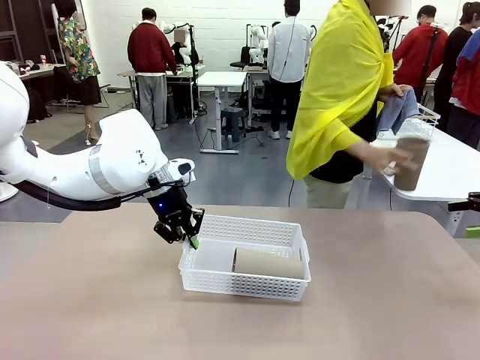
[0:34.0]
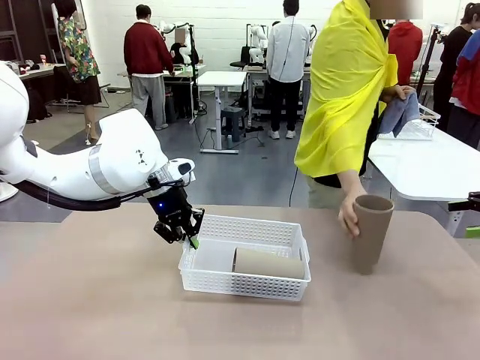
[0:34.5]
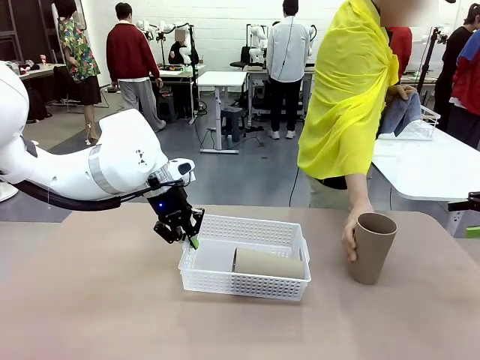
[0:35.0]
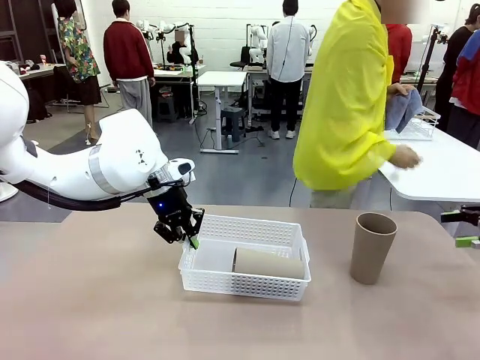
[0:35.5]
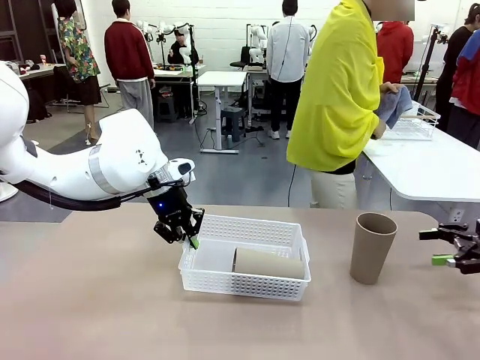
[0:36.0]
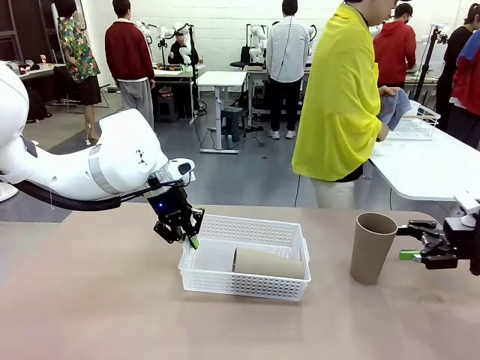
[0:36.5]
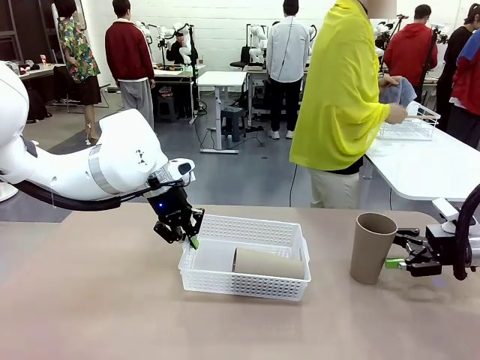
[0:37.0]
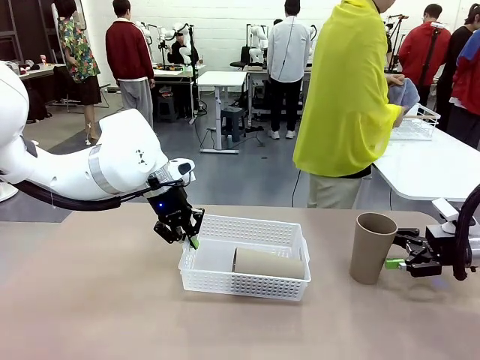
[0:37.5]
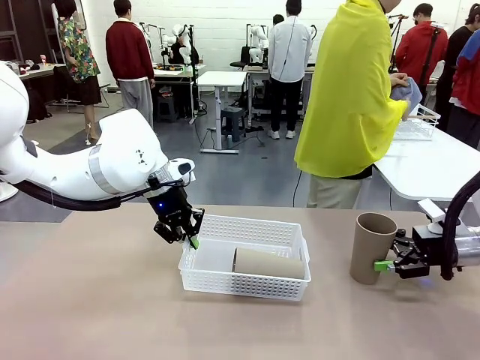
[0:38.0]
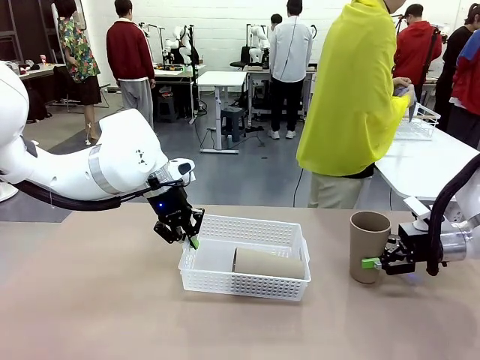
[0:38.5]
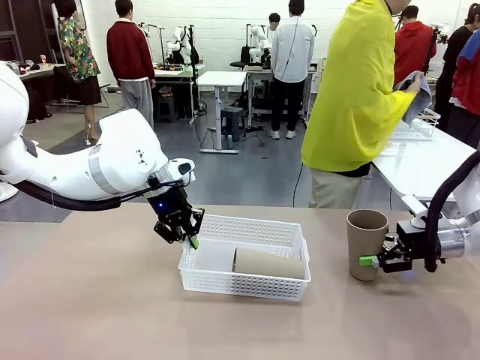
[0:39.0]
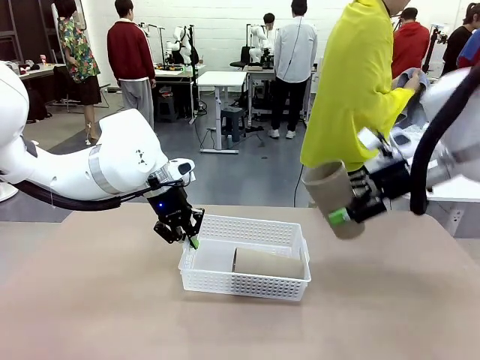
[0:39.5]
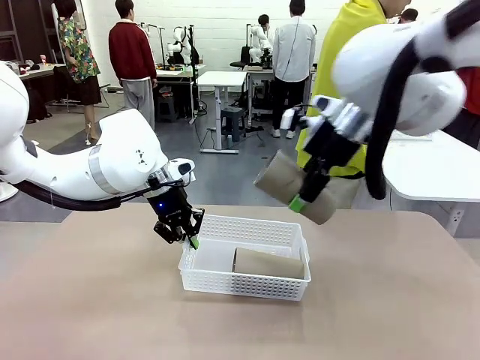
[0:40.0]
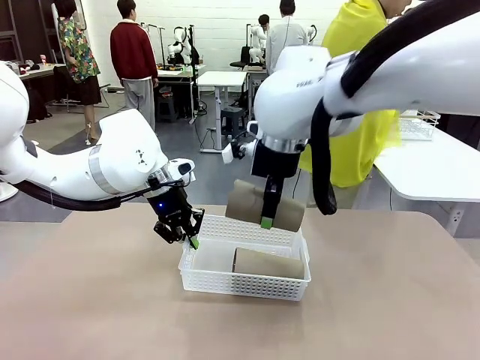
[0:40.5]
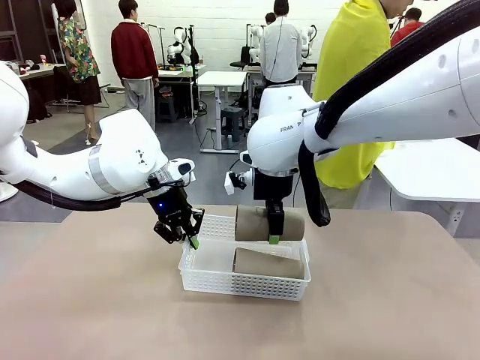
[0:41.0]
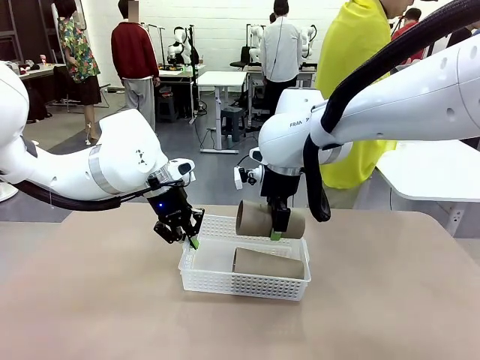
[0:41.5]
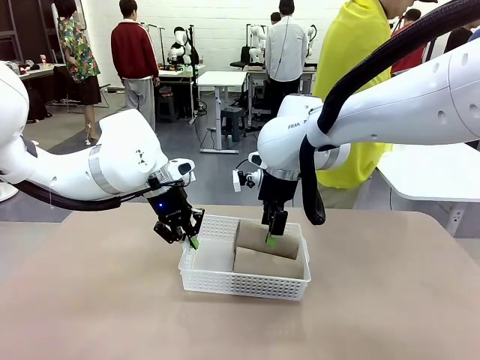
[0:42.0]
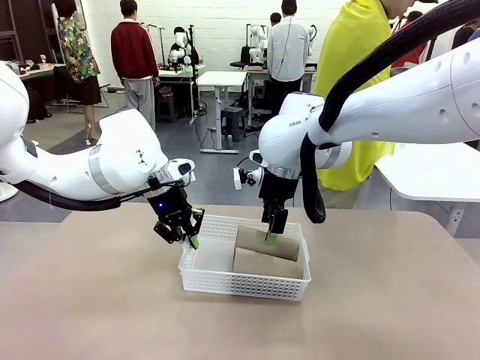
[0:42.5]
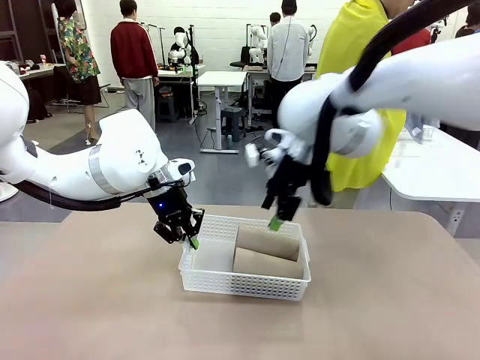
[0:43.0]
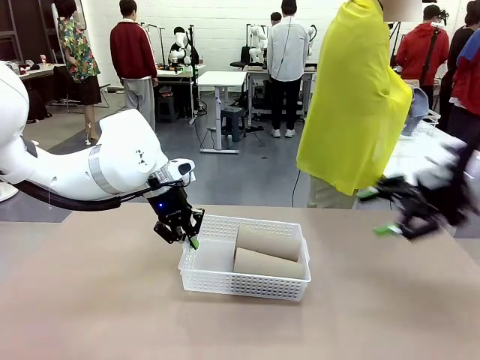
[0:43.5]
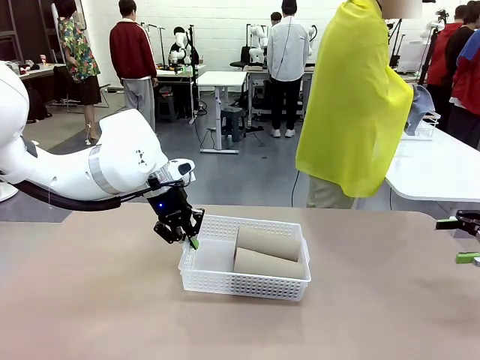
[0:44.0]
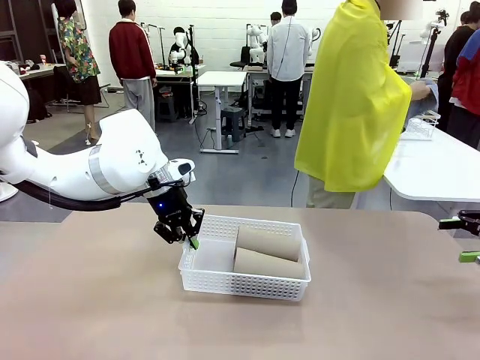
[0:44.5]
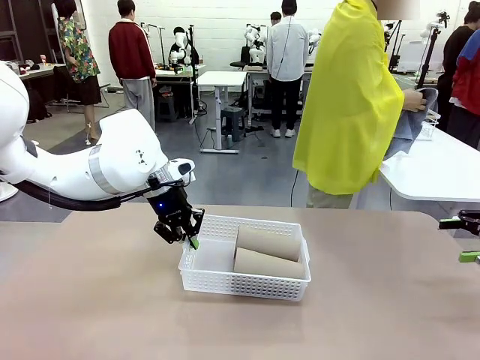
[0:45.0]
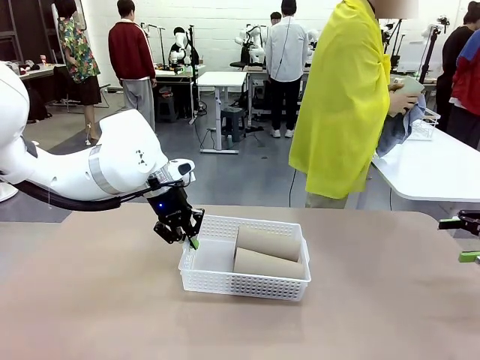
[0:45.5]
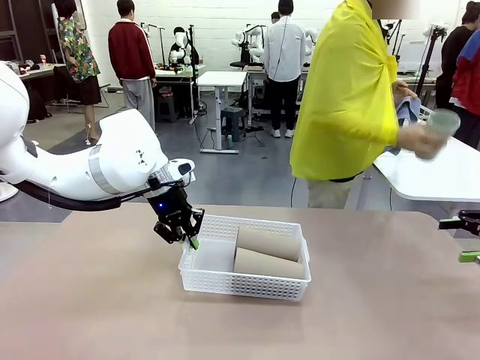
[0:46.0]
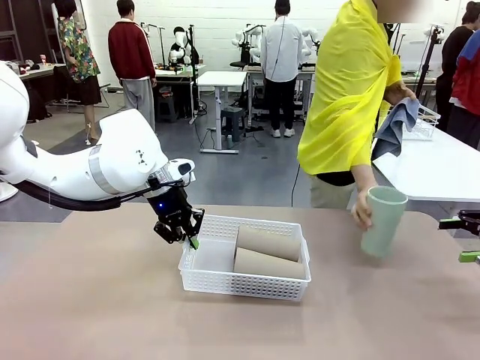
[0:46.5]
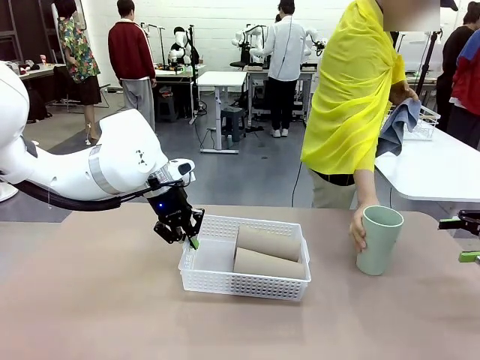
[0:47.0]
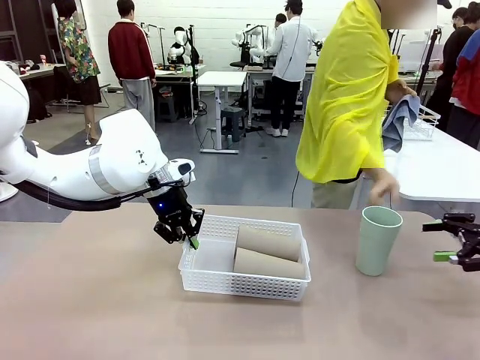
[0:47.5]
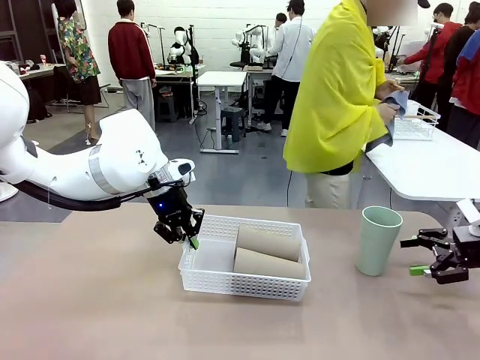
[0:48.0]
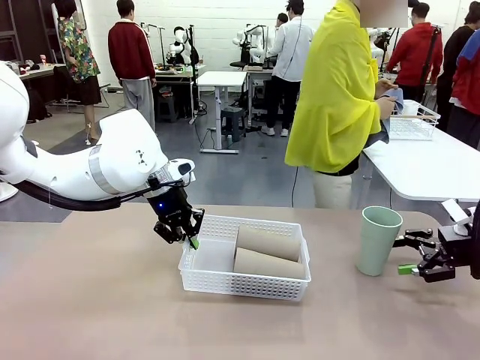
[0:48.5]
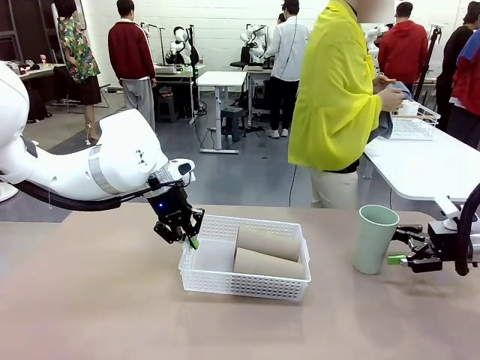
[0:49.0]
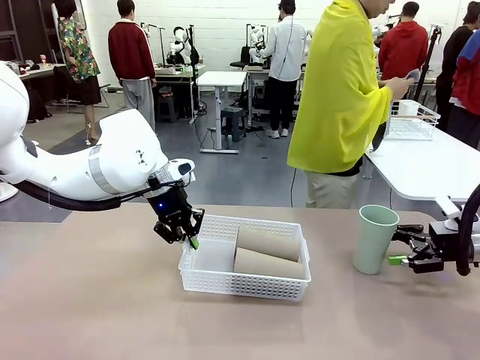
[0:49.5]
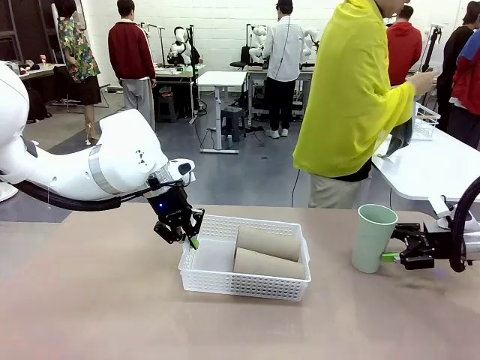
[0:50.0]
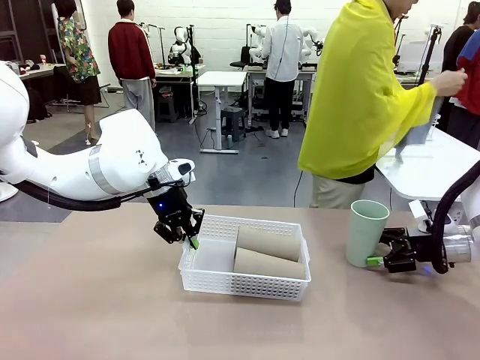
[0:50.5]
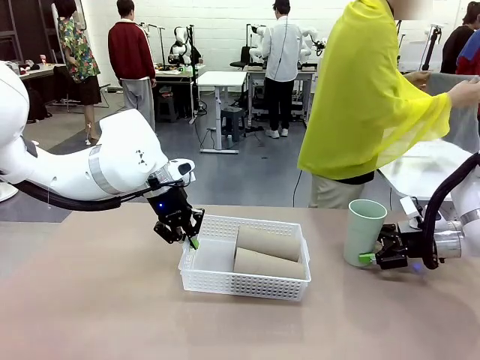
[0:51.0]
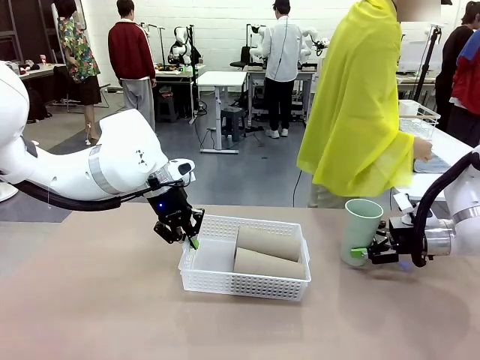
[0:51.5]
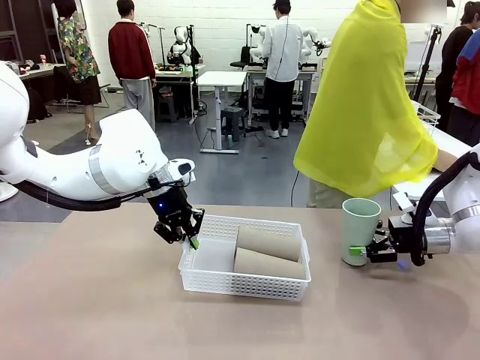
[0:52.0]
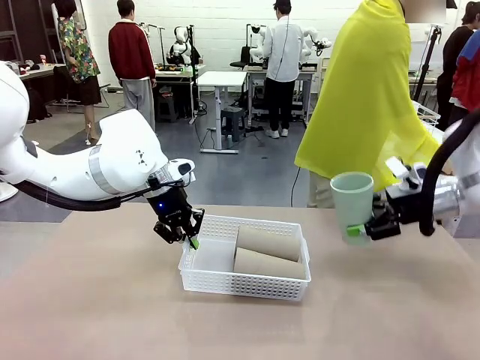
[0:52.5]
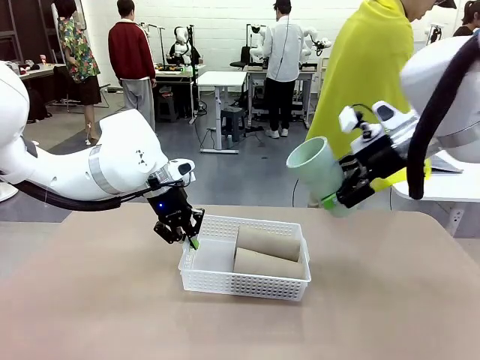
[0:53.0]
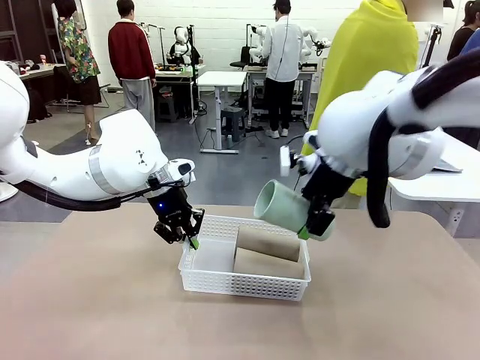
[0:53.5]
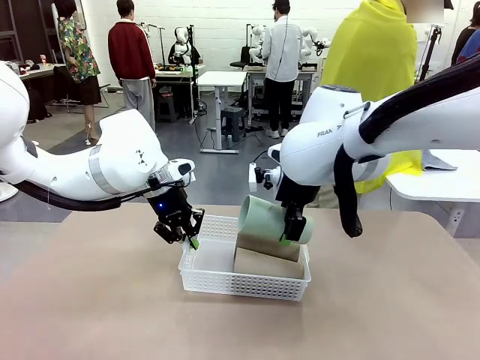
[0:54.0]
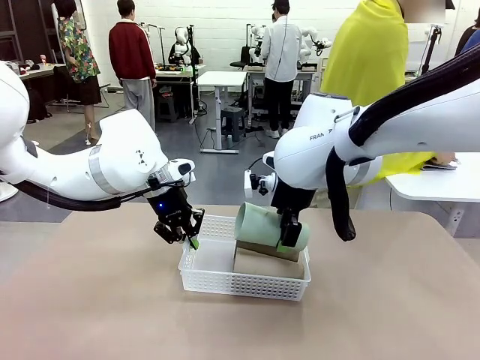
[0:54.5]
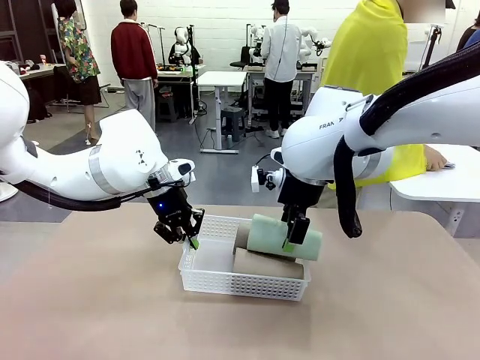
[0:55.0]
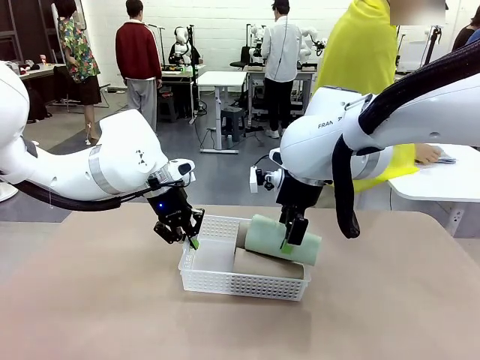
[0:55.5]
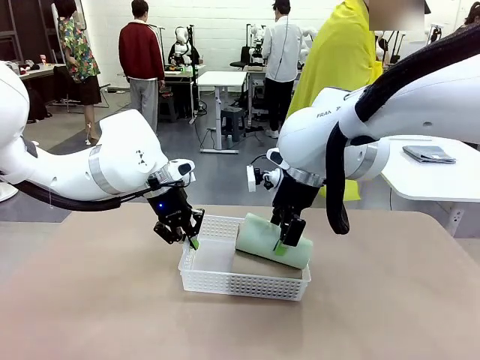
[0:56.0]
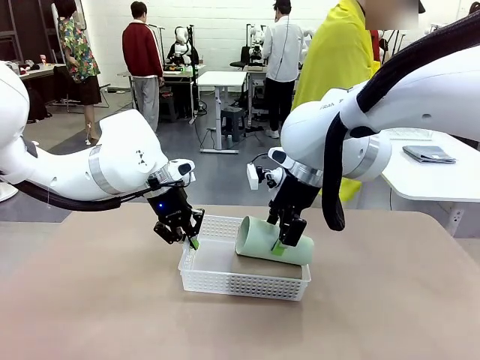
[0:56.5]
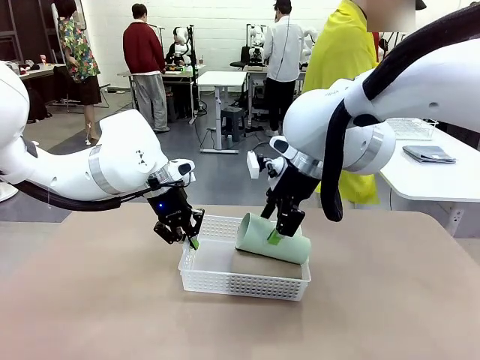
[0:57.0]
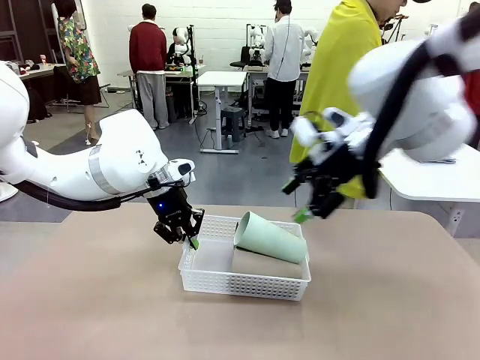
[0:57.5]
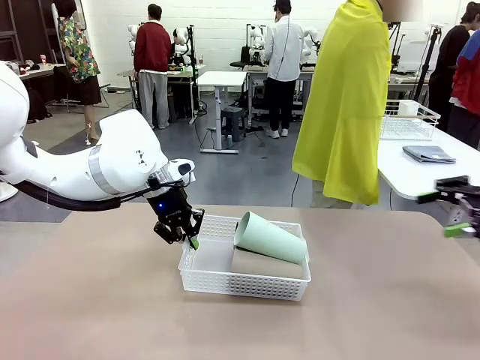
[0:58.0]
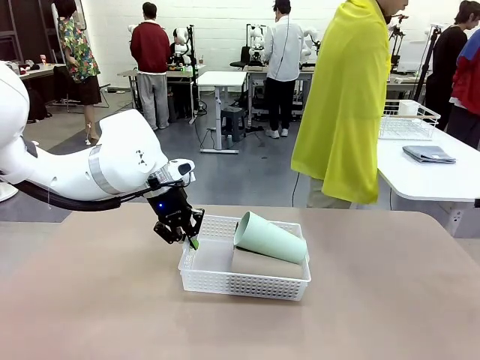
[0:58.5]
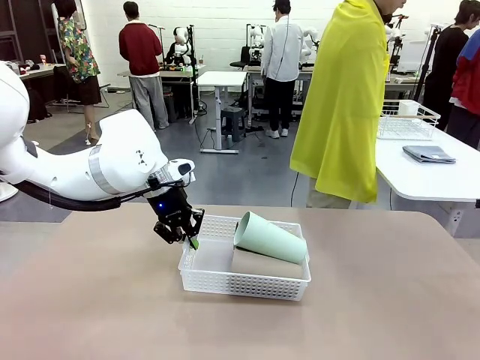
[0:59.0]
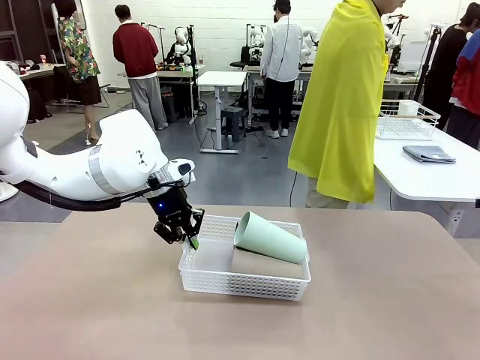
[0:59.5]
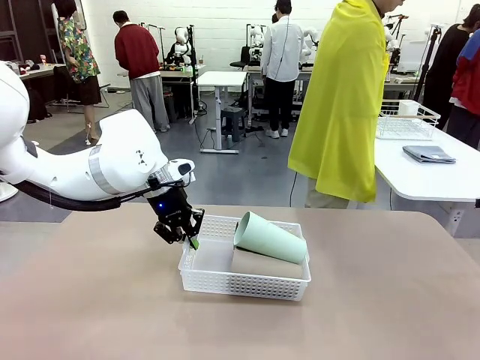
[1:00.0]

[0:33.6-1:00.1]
Task: Clean and organize the cups into the basket.
Robot: Pick up the Reusable plastic cup from the right side of the table and stack it inside the Organizing basket in the center of the table.
Person: Folds the towel in half twice and places it in the right of the table.

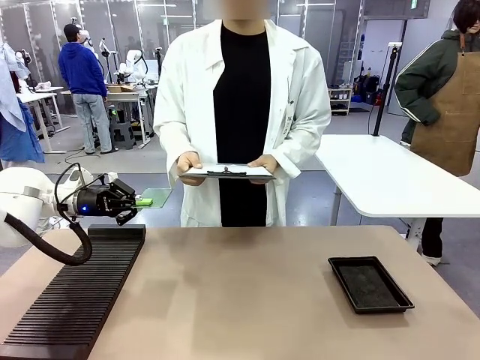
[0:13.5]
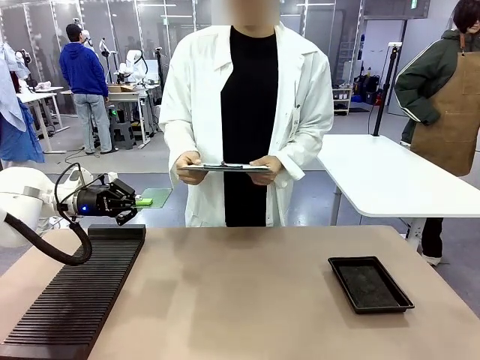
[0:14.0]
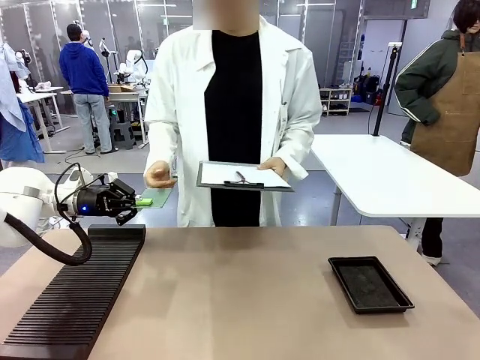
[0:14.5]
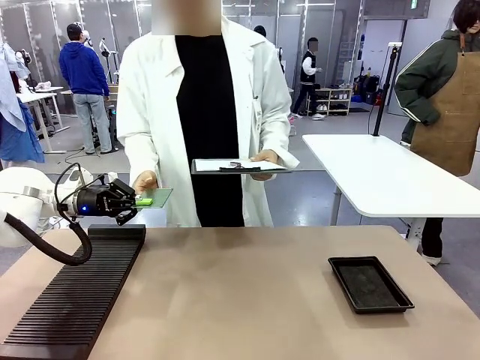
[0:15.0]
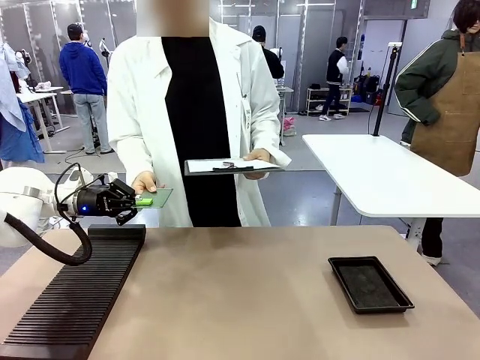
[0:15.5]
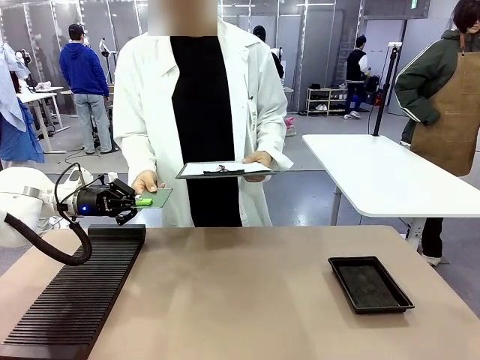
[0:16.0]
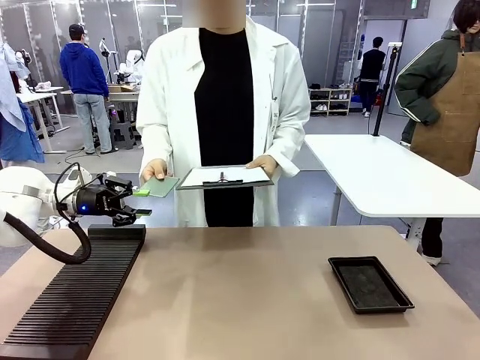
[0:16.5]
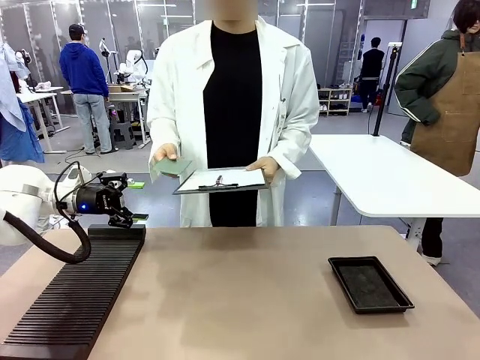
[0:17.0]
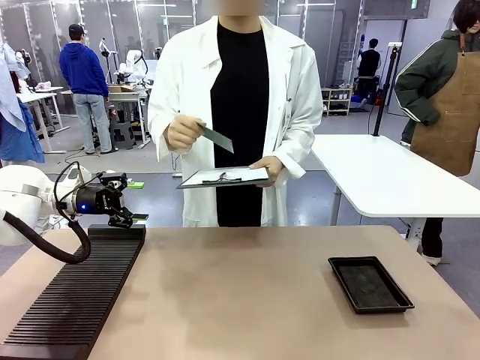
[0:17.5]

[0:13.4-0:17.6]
Task: Inspect the PCB.
Robot: Release the Blank PCB you were holding.
